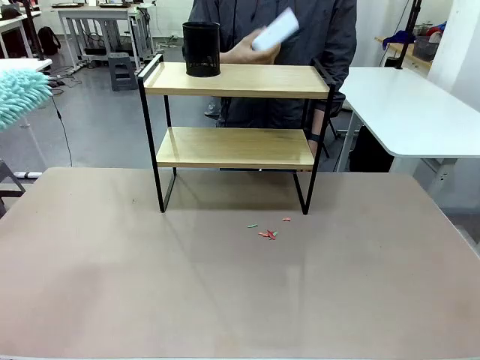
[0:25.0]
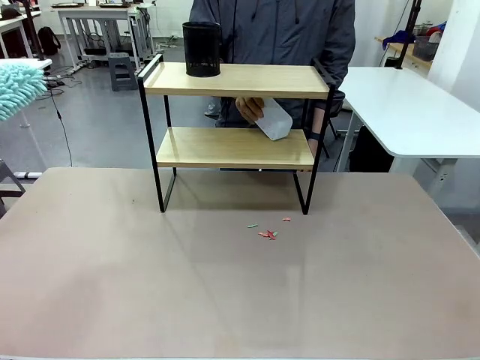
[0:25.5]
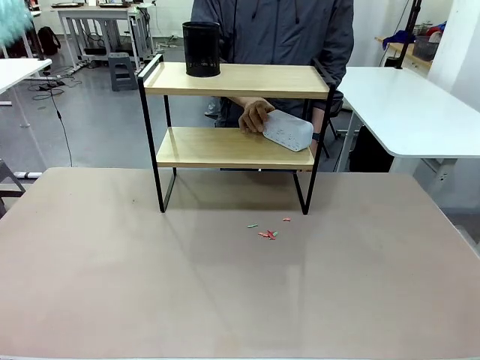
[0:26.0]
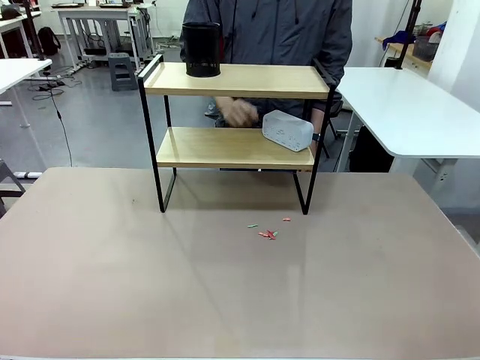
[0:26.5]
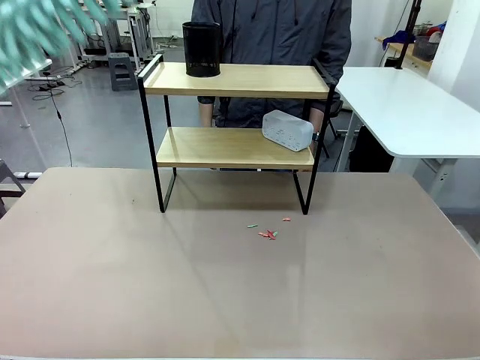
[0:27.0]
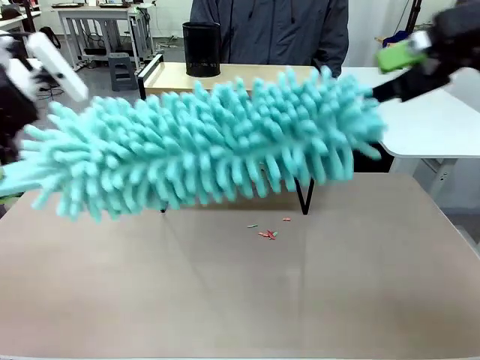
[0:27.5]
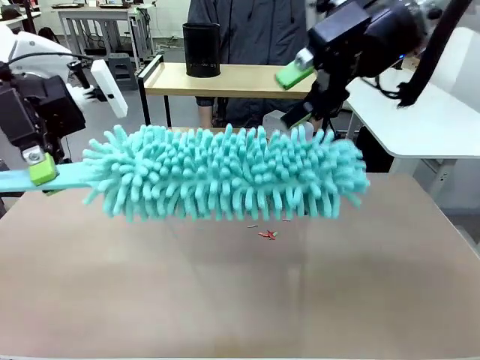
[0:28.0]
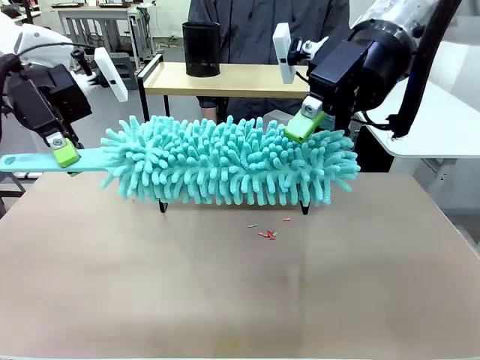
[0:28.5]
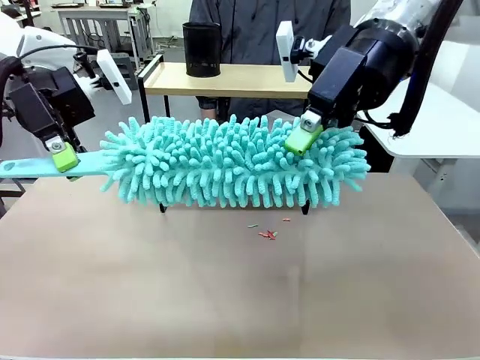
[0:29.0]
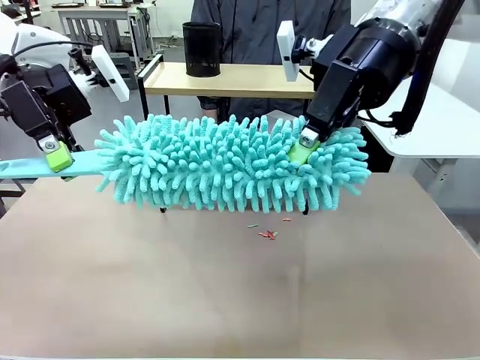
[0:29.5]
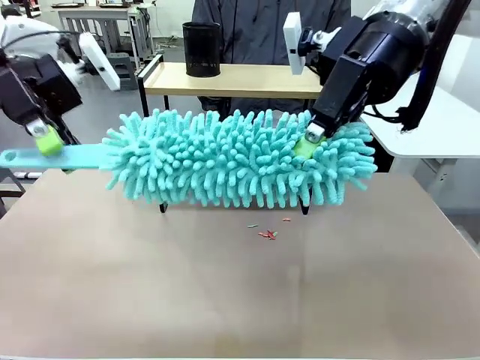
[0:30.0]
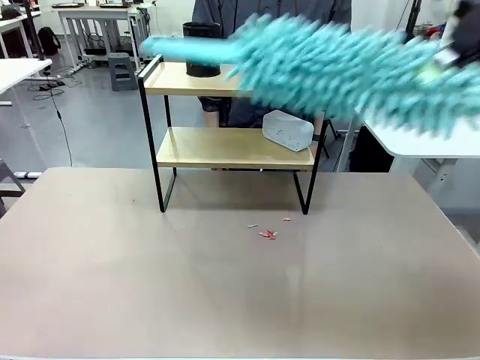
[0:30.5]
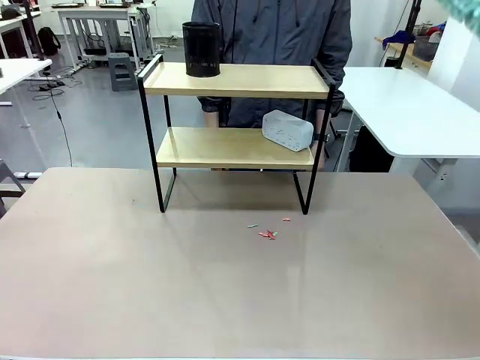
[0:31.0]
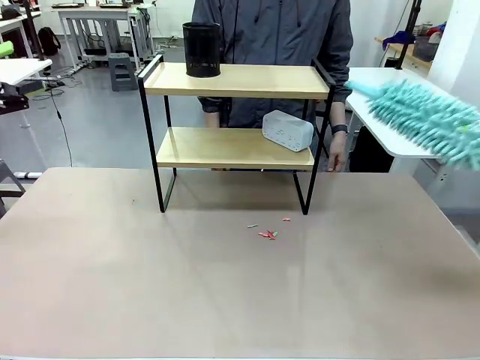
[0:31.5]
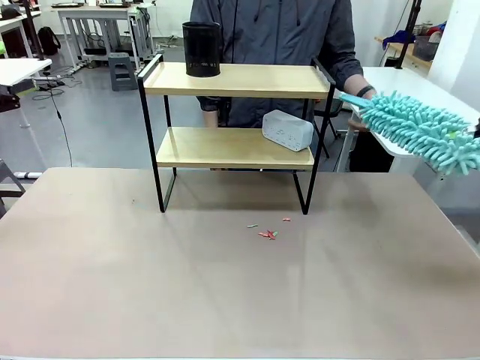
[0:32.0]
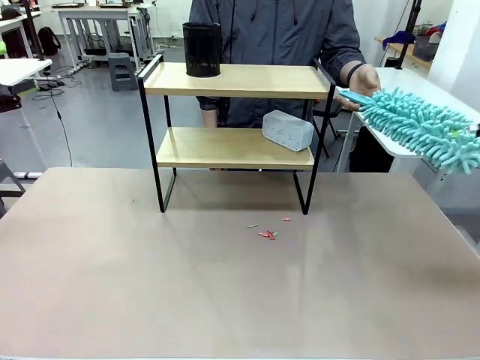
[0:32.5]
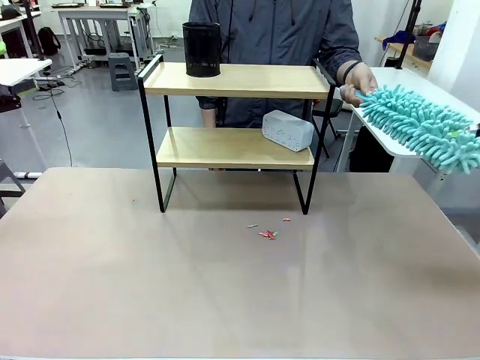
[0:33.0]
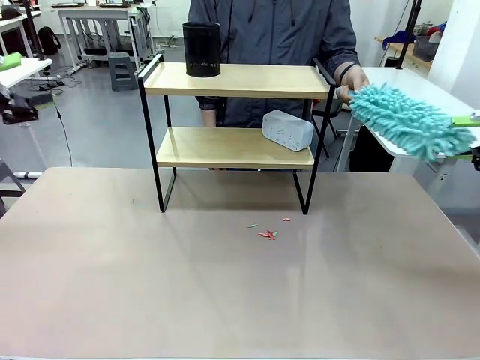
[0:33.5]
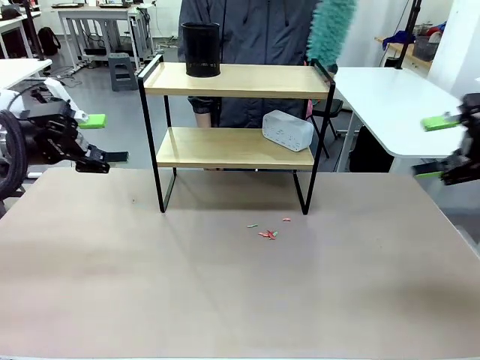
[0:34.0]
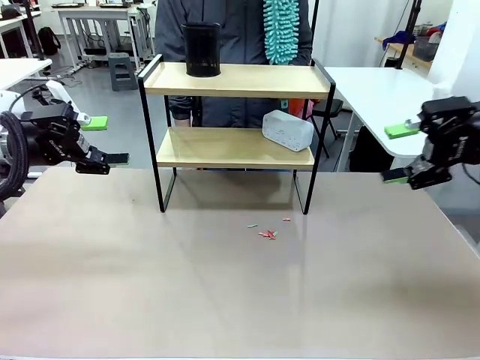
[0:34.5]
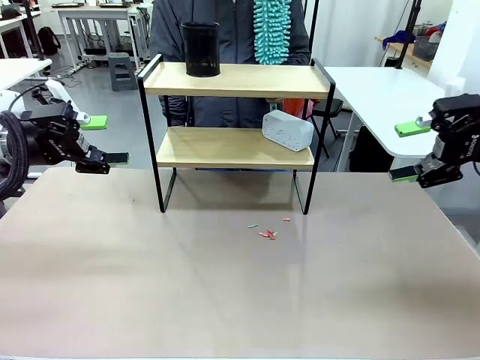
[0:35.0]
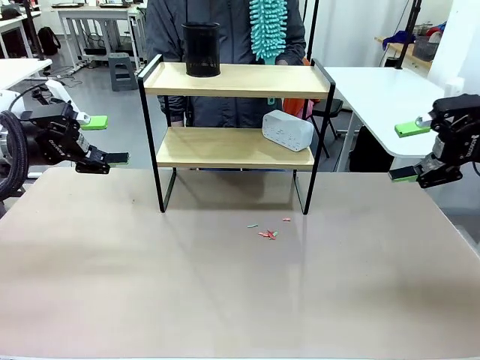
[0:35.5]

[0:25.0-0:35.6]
Task: Clean the shelf.
Robot: Hand the Duster back to the human.
Person: Receive the Duster from the robot.

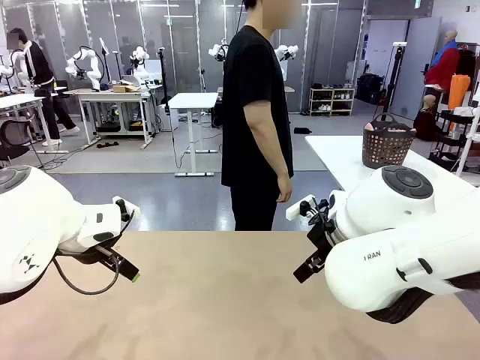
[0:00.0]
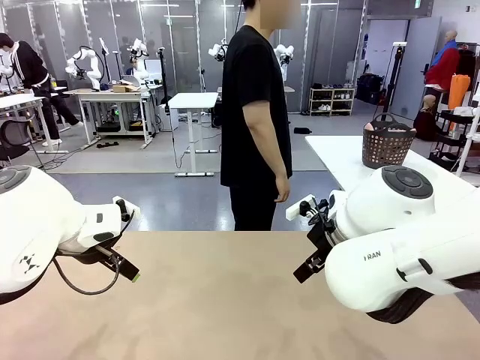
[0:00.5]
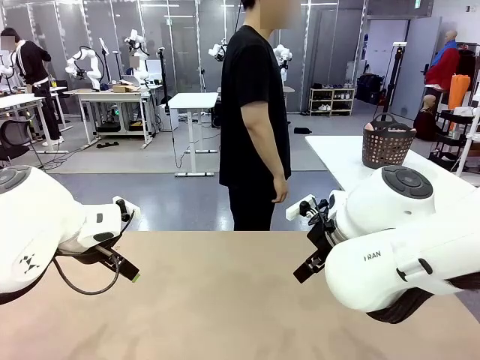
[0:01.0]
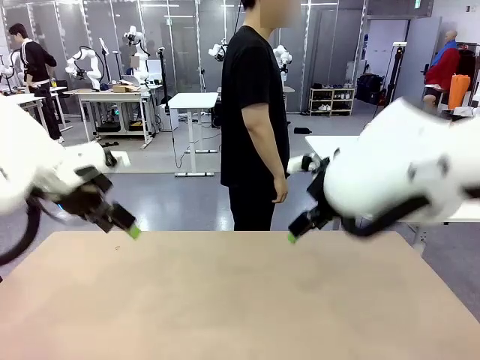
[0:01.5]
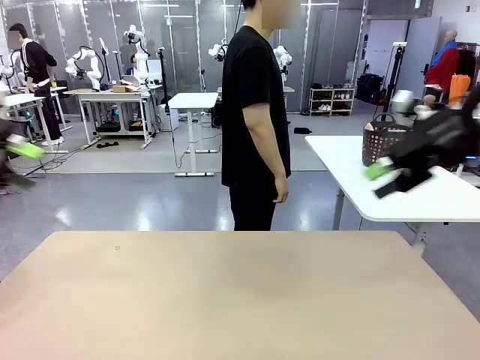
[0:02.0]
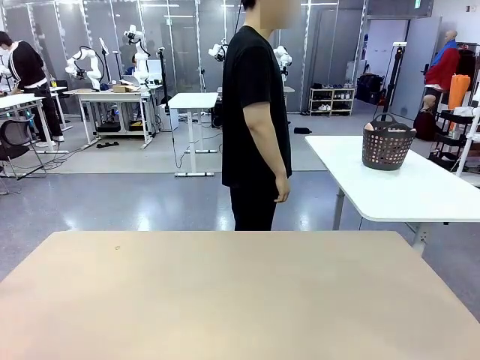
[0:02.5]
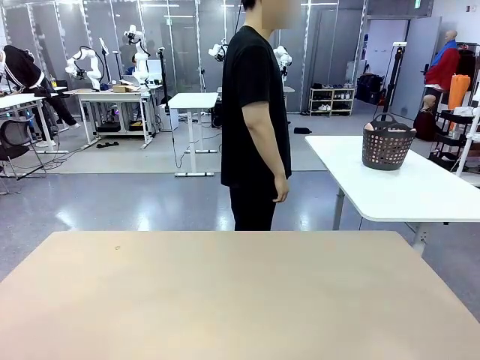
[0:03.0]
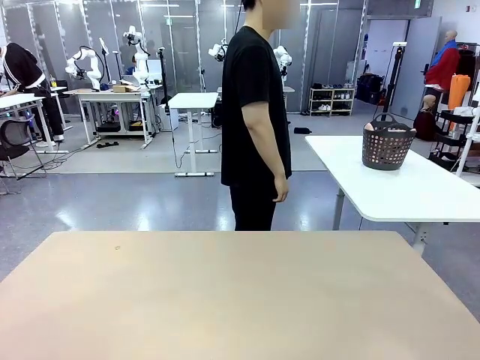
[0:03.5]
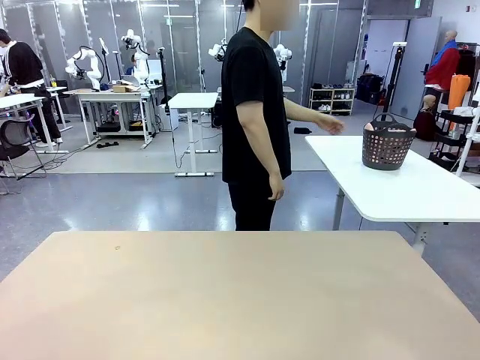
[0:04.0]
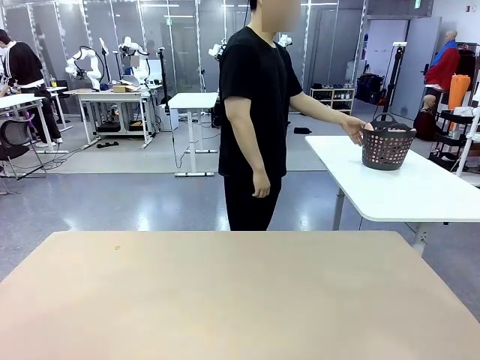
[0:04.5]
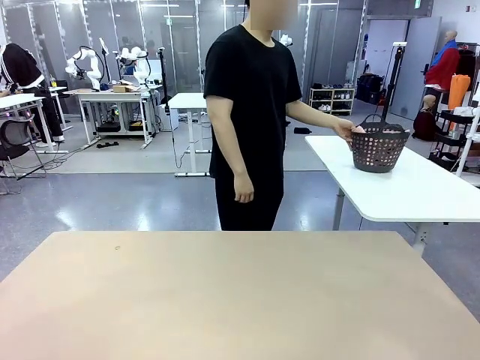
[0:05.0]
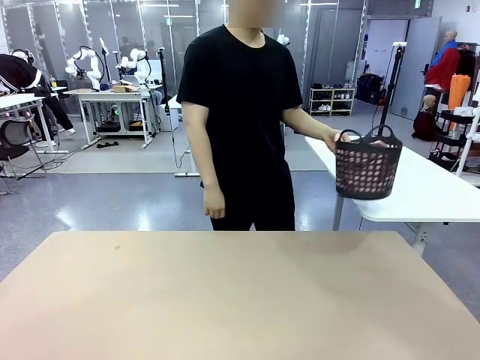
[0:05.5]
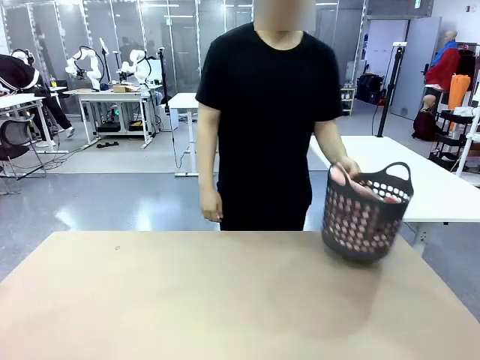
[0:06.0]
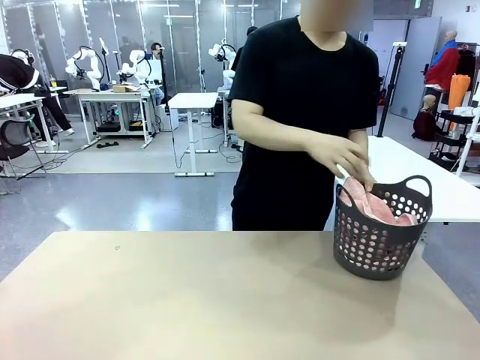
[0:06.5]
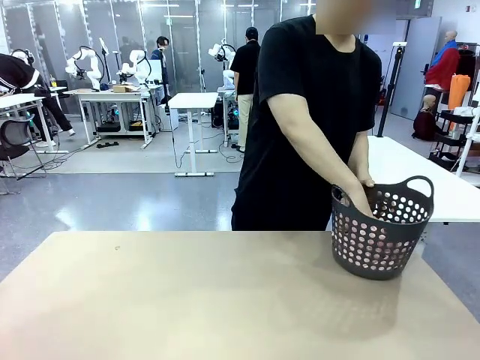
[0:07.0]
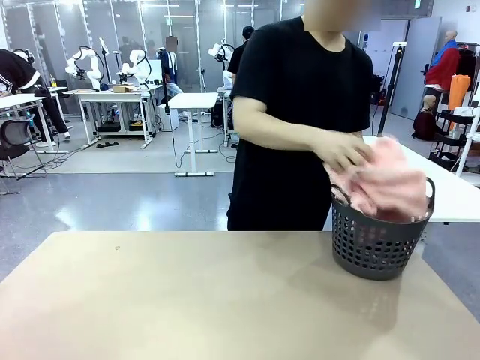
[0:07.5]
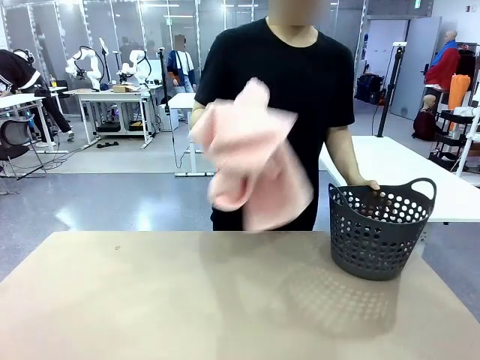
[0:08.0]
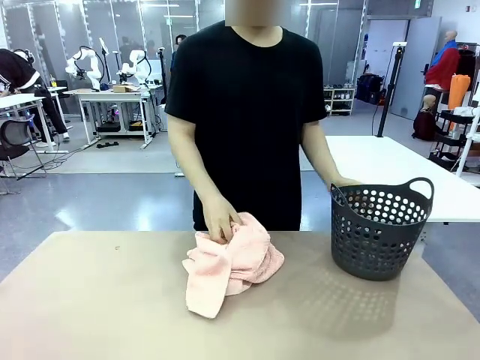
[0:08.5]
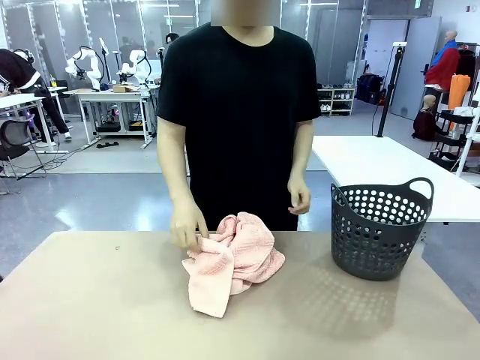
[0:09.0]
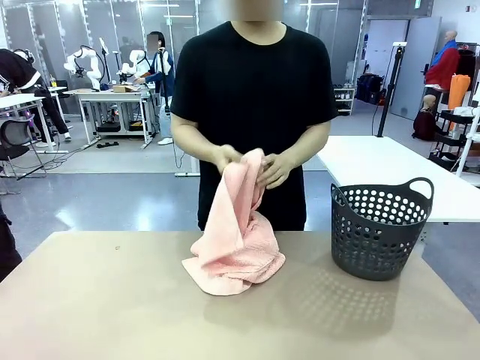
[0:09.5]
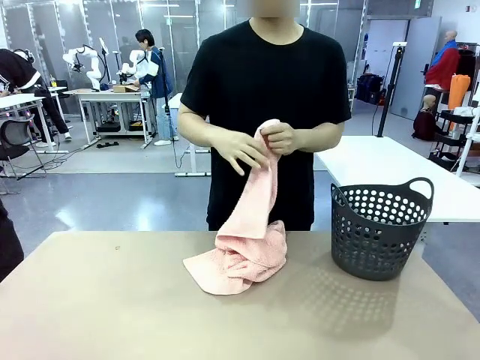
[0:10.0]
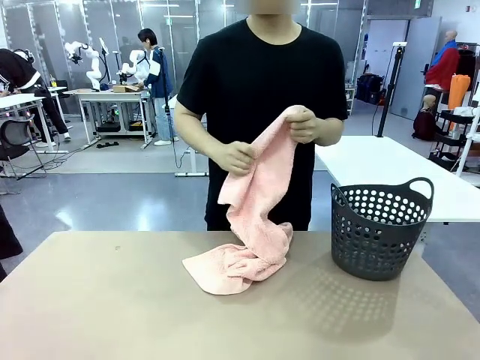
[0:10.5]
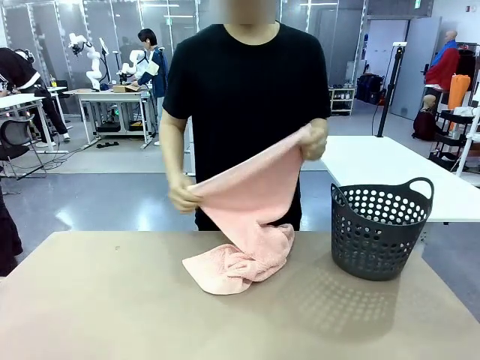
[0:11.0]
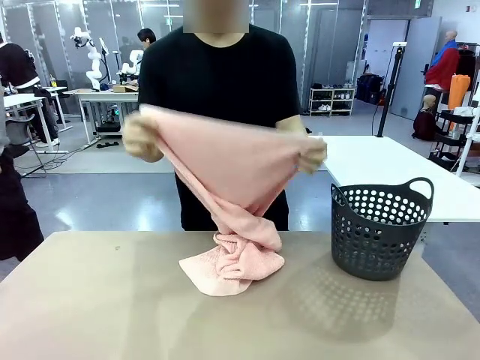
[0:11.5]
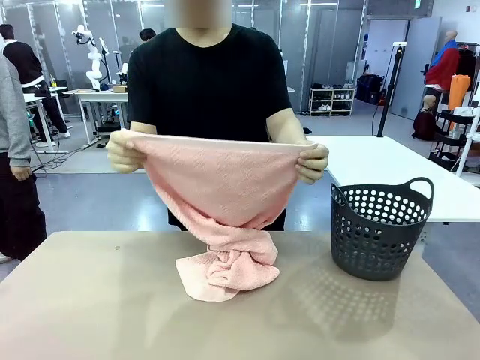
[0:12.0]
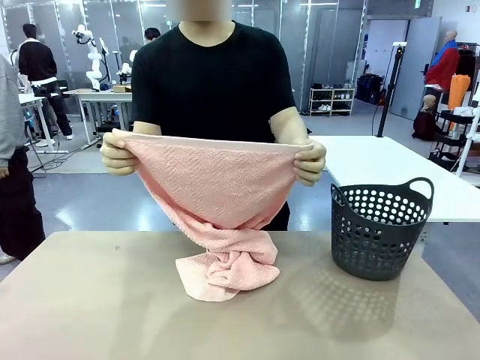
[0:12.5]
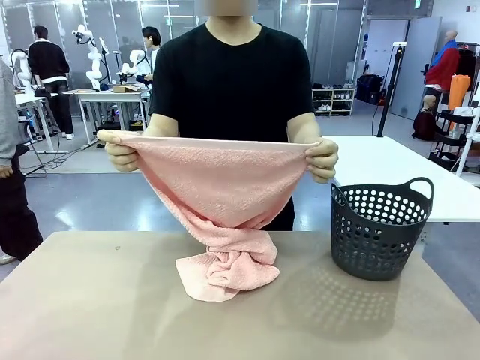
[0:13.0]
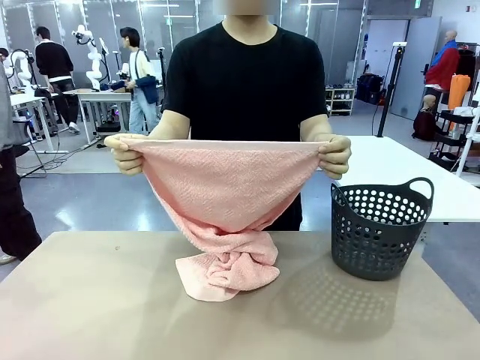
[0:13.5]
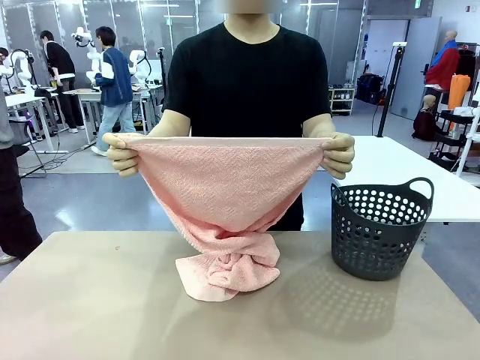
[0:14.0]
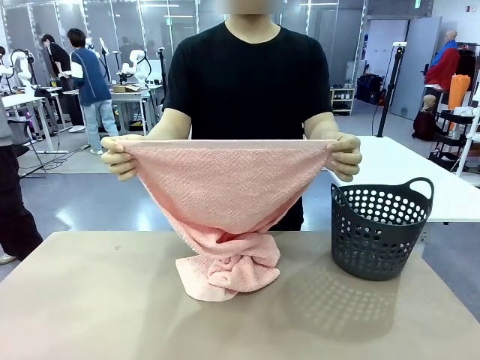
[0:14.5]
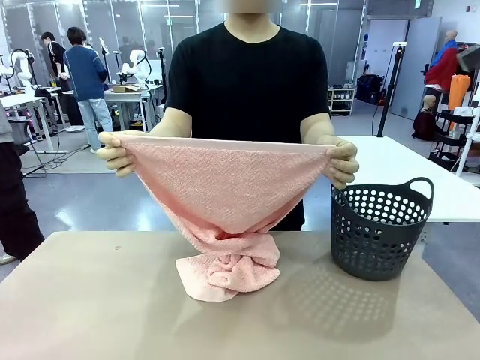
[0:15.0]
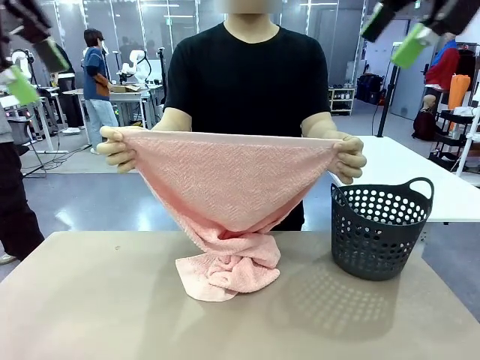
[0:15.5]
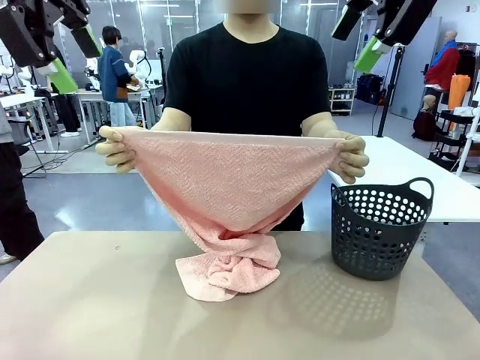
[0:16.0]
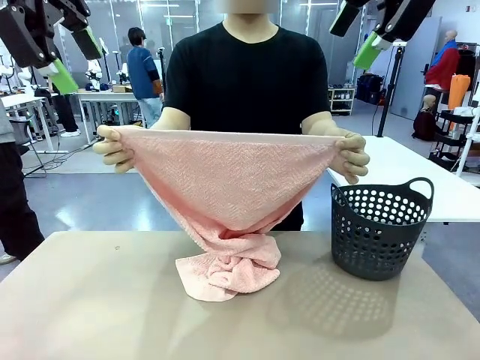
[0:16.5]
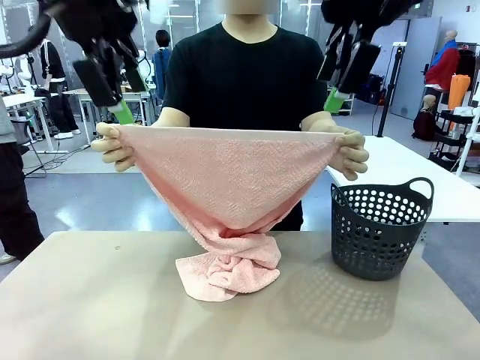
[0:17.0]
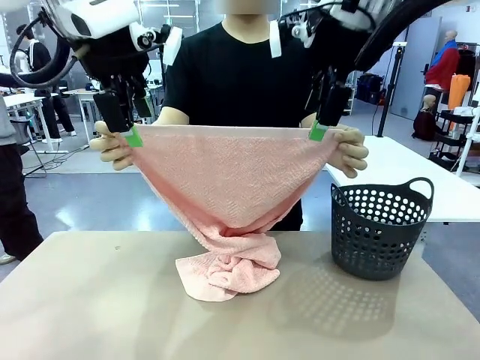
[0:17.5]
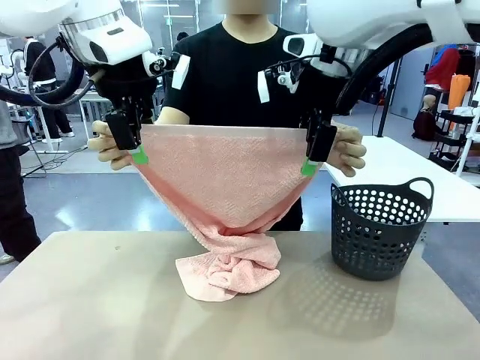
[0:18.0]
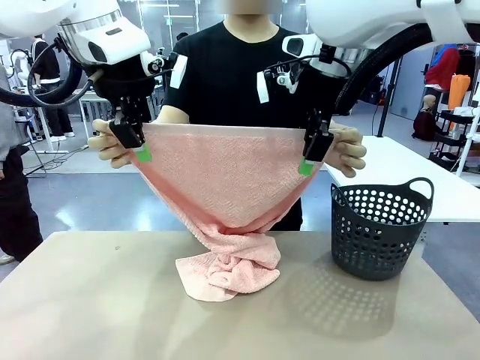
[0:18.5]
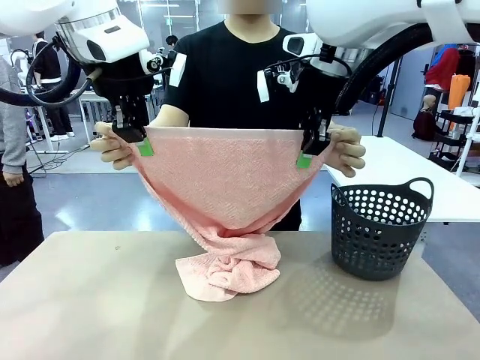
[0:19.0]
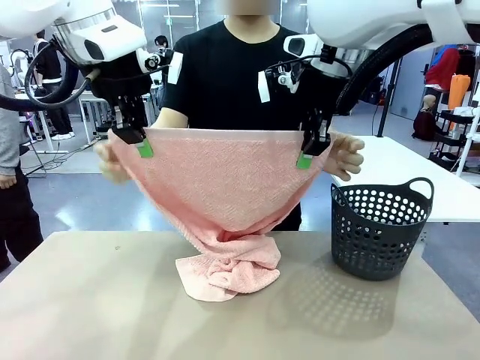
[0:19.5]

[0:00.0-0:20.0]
Task: Fold the towel.
Robot: Grab the top end of the 100 cm Hotel Towel extended by the human.
Person: Pick up the laundry basket, place it on the left side of the robot table, then take out a towel and hand it to the robot while holding both corners of one end.
